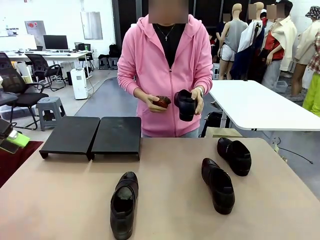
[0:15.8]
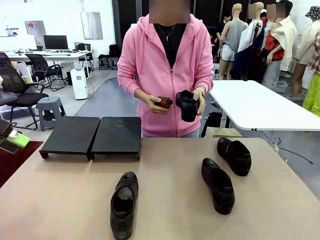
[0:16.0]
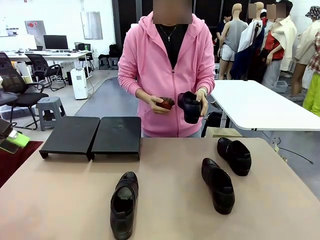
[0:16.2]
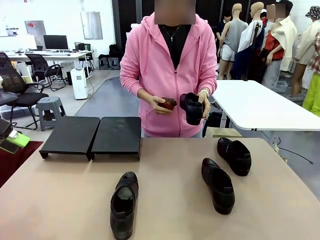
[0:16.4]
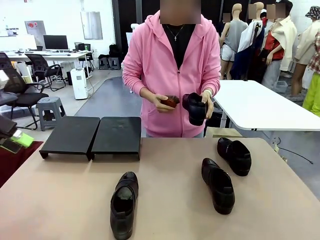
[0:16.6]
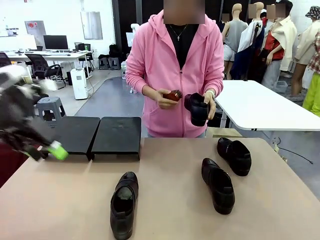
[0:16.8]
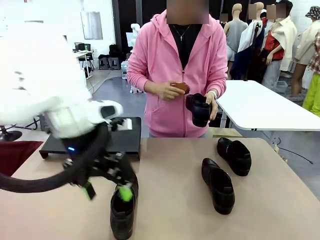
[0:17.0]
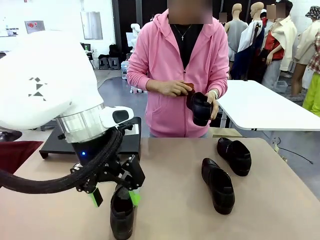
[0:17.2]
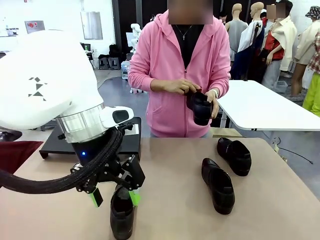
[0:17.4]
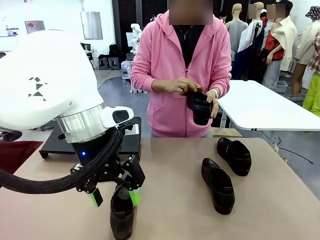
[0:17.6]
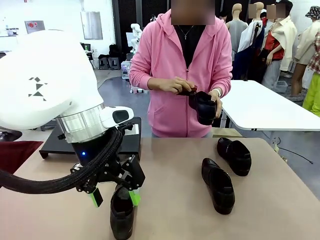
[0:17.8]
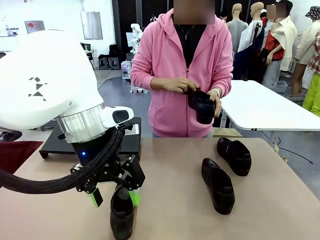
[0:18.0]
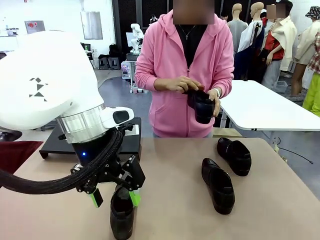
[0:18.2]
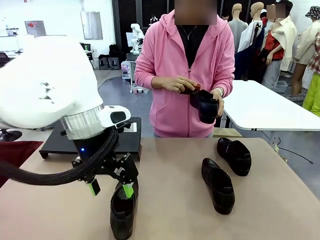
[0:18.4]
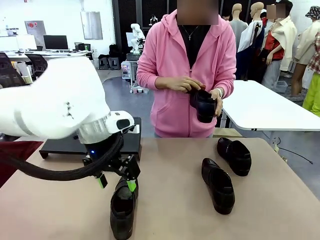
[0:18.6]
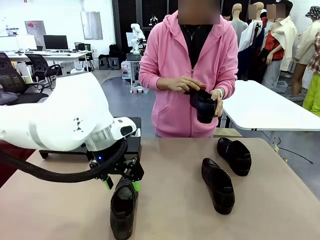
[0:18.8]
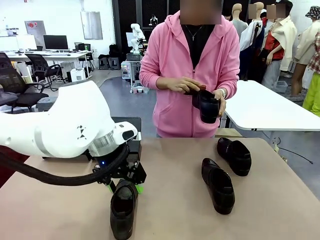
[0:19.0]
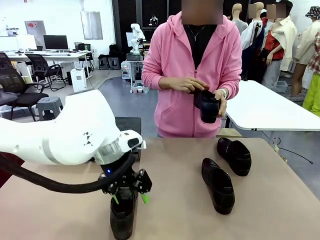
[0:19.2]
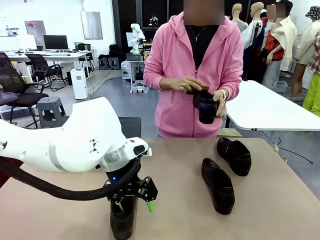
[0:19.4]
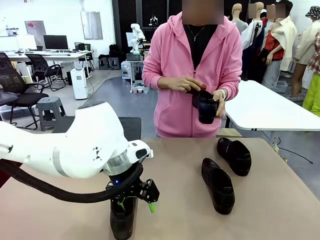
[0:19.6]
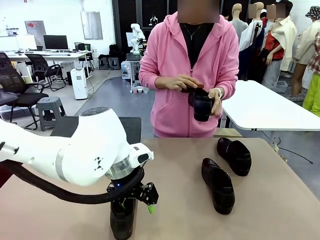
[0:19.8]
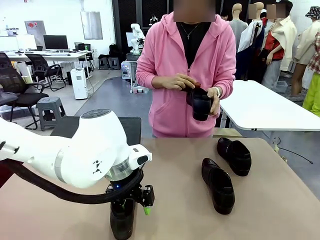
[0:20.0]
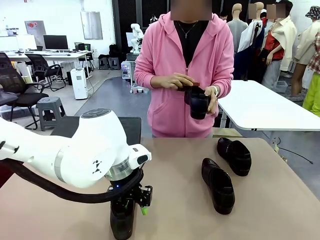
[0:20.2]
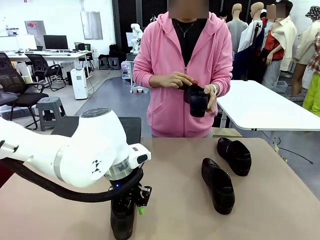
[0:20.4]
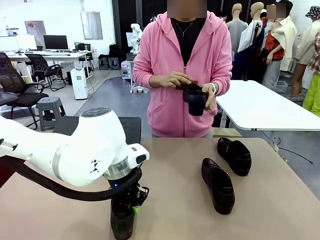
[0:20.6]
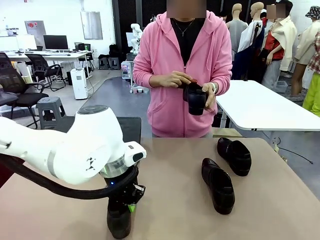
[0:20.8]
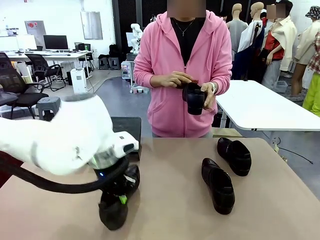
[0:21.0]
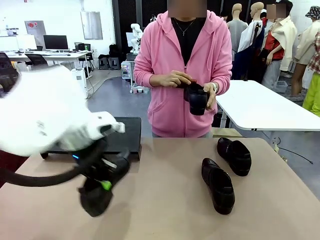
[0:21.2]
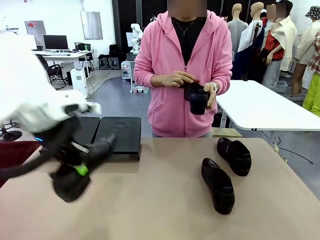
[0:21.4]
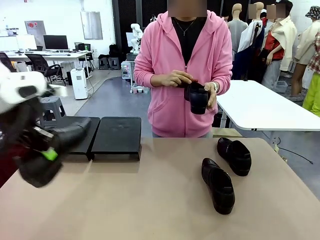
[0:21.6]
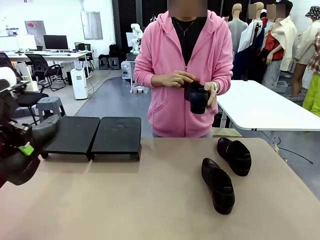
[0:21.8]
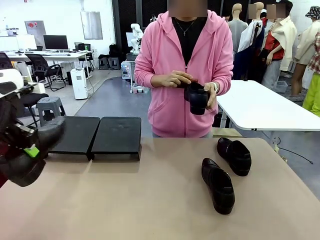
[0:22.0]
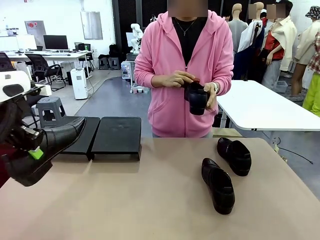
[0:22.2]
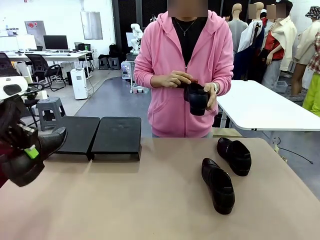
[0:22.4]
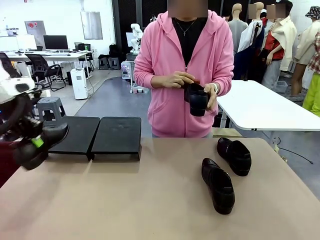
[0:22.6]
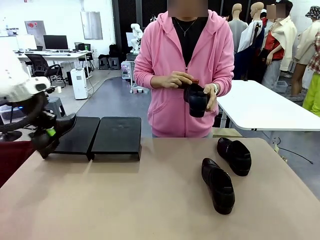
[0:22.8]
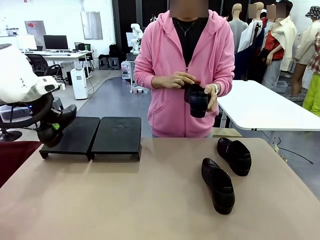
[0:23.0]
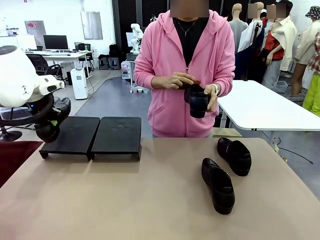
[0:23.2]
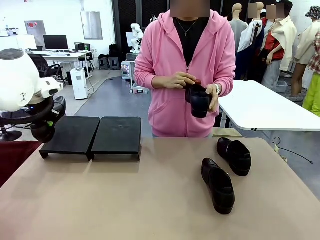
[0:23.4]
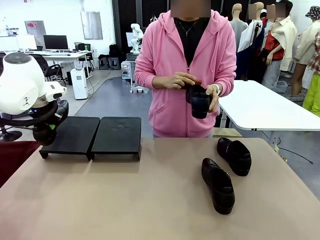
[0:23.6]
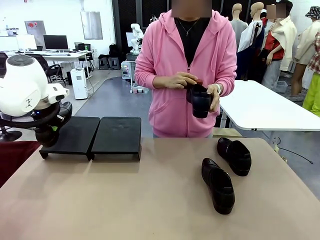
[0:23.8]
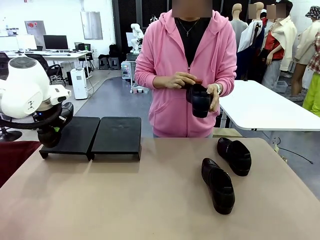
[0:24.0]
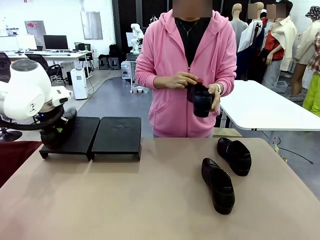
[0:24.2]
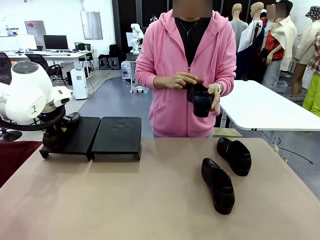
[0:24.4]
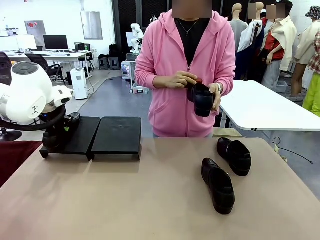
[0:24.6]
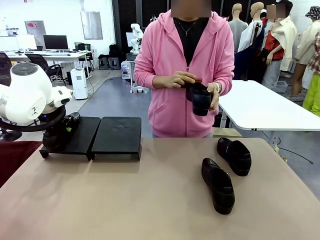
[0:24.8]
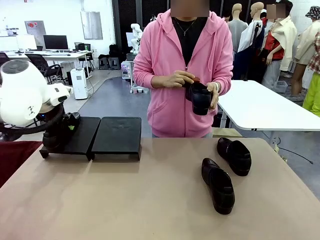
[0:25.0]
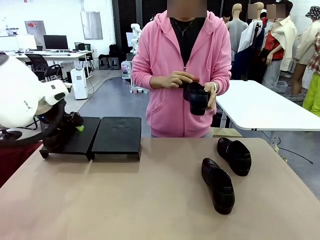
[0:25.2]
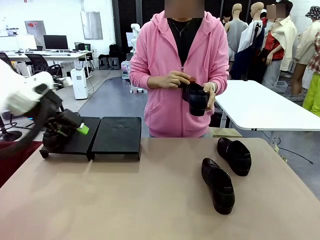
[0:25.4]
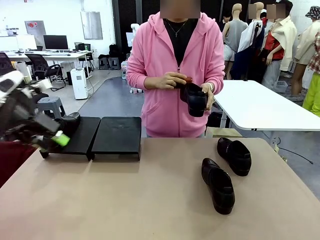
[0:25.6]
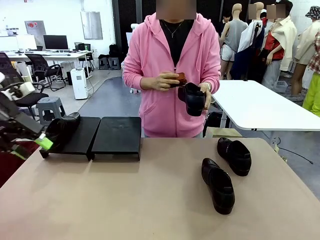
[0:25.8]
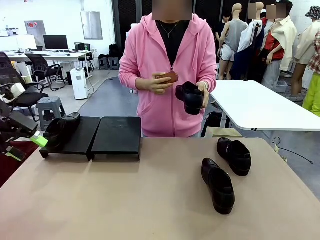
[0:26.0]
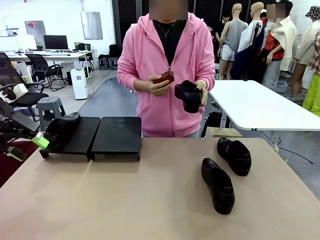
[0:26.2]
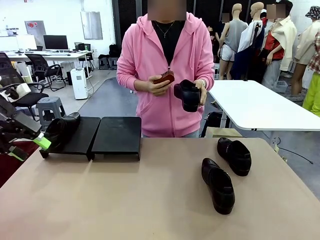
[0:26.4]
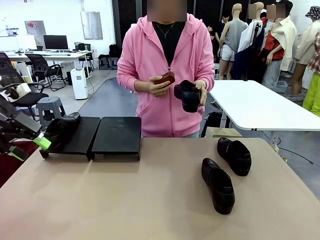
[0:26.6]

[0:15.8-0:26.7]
Task: Organize the shoes by placing them on the stand.
Robot: Place the Shoe from the middle of the table onto the Shoes Stand.
Person: Clean the Shoe with the Shoe Brush.

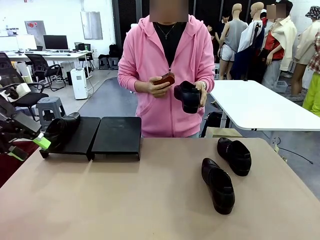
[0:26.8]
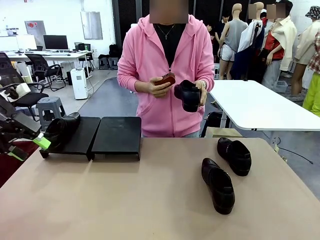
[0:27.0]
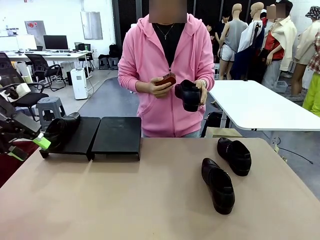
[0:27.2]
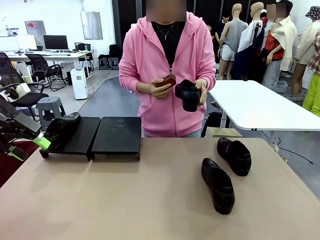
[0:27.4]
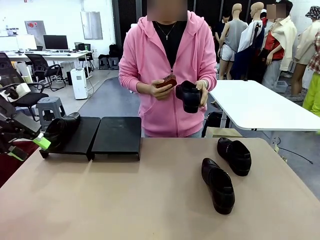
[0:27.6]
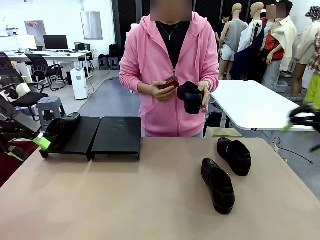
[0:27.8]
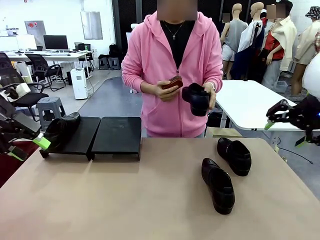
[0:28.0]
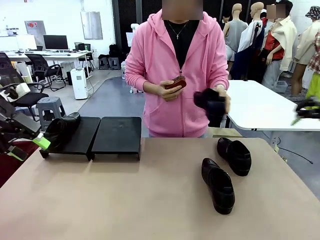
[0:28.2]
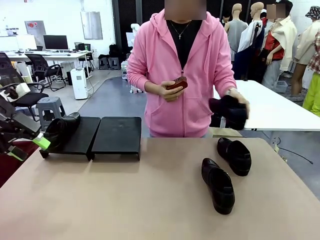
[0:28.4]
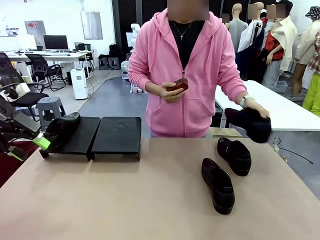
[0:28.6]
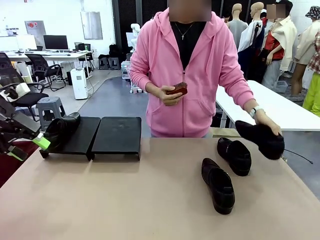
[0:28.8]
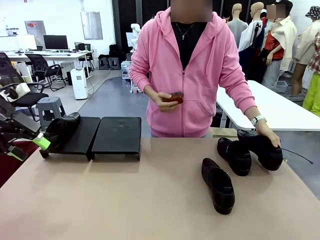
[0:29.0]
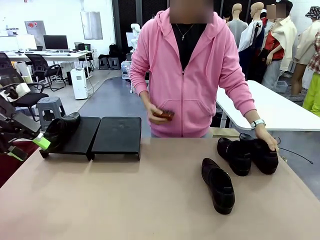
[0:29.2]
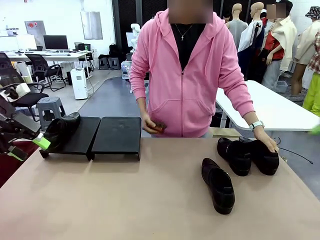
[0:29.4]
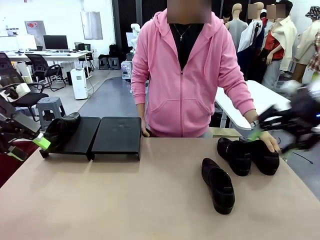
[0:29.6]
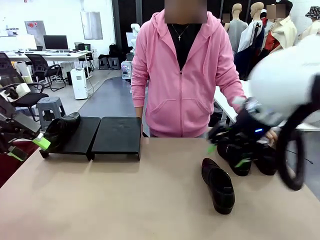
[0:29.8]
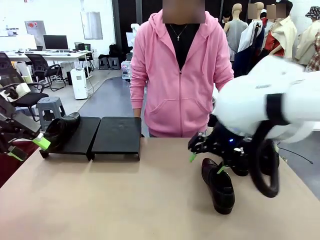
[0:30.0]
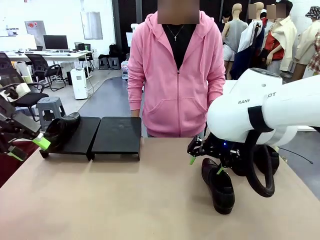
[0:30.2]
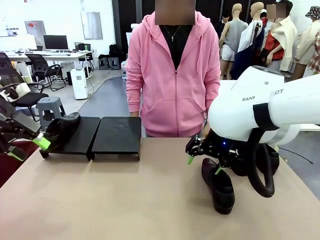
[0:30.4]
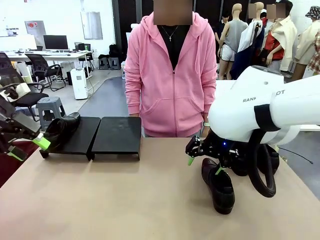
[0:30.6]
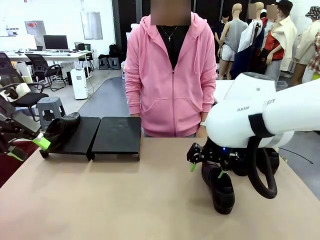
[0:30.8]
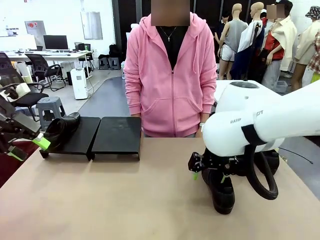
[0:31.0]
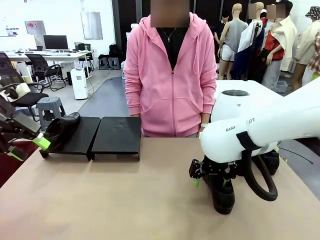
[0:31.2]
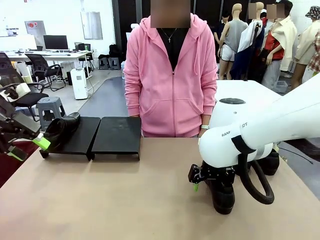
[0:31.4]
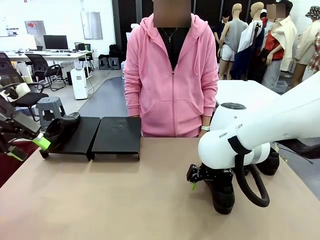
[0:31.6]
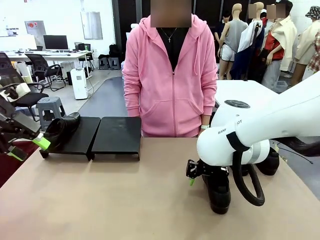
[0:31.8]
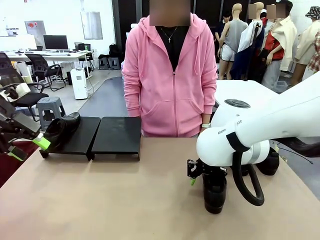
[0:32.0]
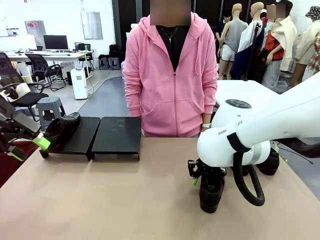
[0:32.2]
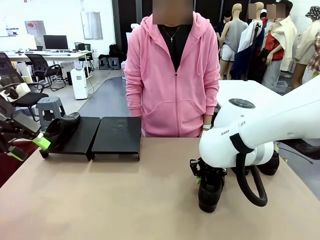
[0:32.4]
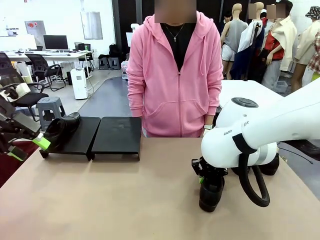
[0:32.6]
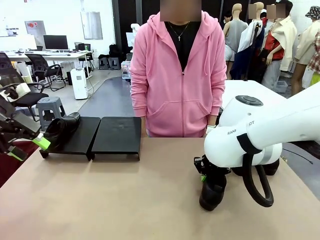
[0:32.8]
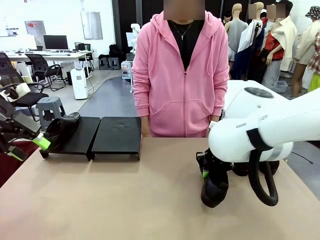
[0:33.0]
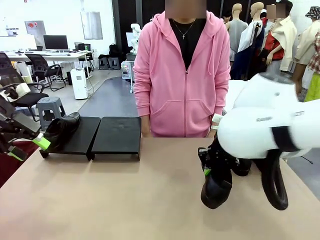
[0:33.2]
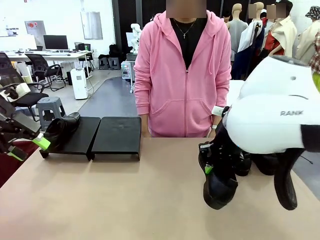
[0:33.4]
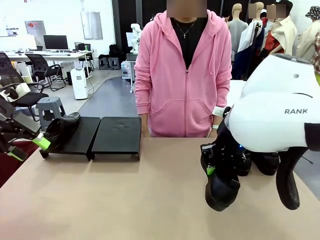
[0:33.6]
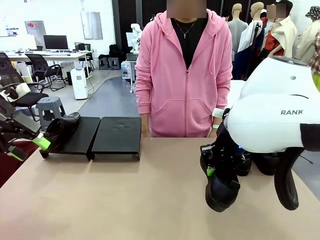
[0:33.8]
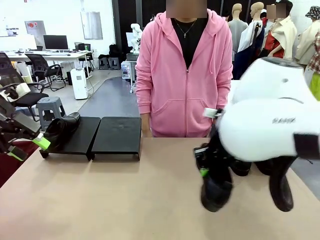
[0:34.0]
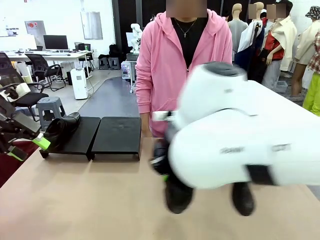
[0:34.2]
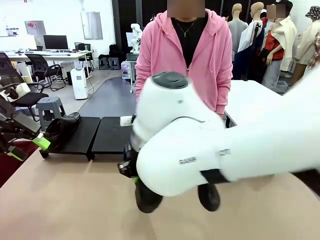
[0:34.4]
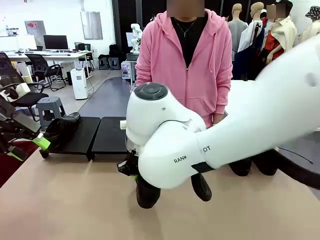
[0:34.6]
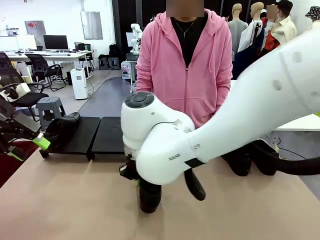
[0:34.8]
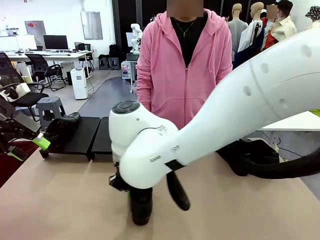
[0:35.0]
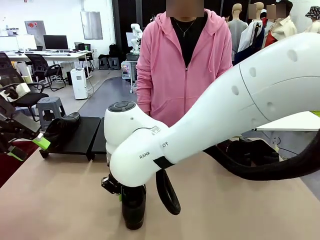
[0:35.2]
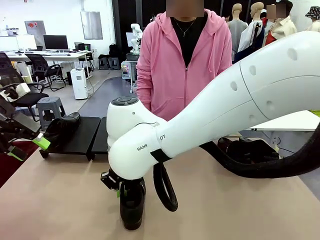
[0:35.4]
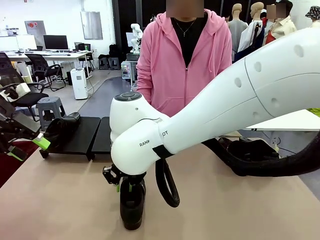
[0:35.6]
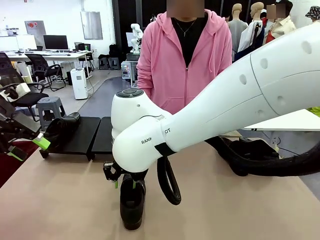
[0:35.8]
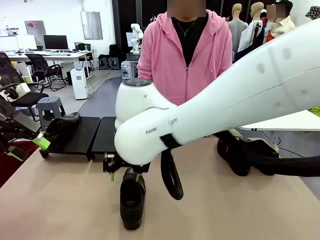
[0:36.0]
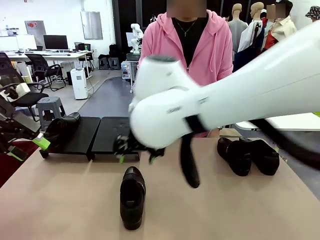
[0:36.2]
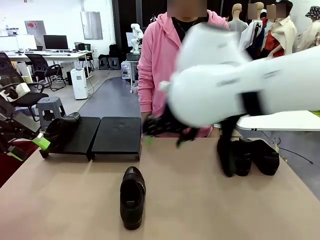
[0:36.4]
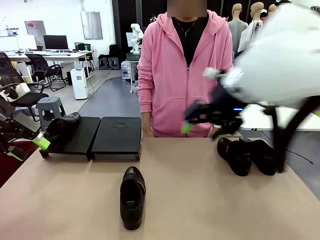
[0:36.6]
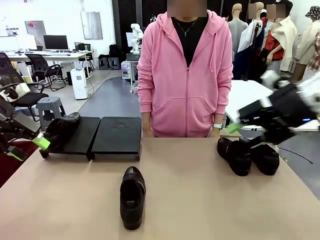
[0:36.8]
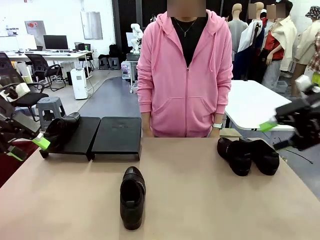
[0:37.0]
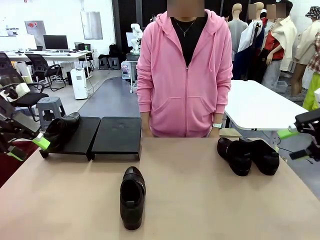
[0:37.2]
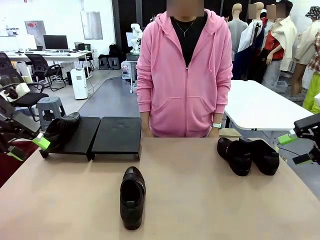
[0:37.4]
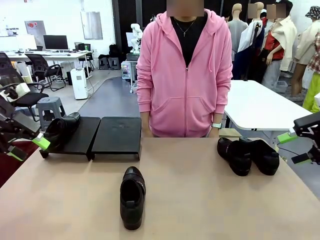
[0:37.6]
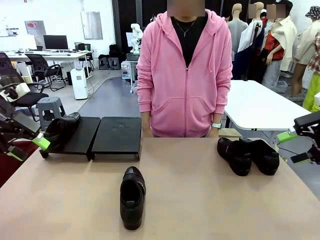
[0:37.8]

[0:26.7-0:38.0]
Robot: Pick up one Shoe and place it in the middle of the table.
